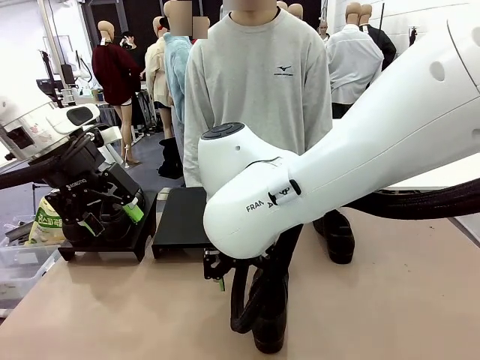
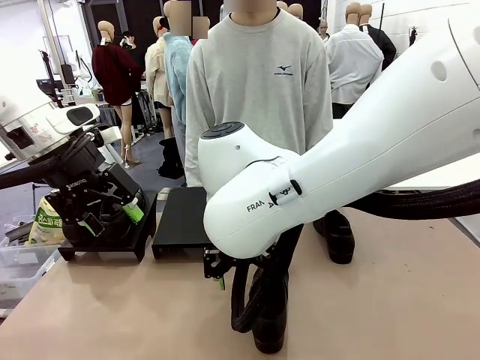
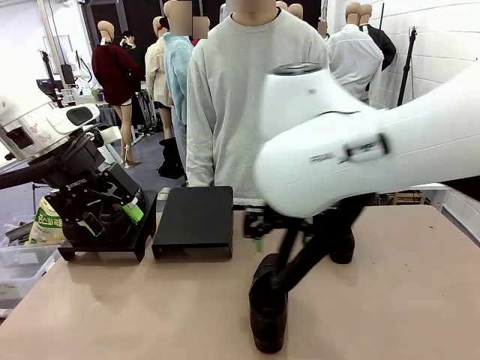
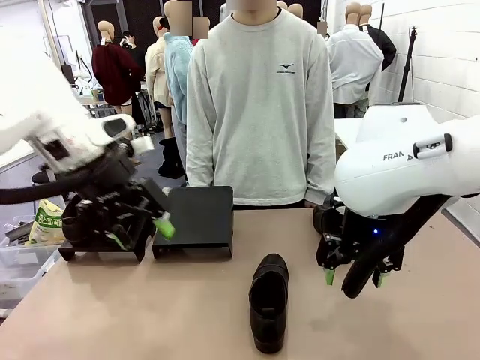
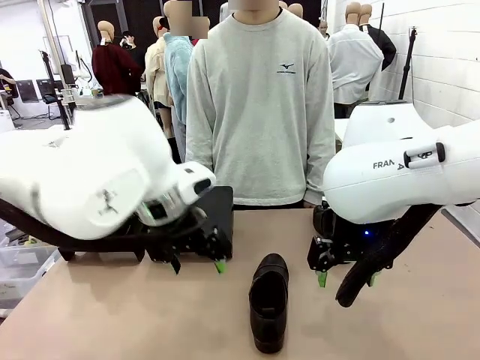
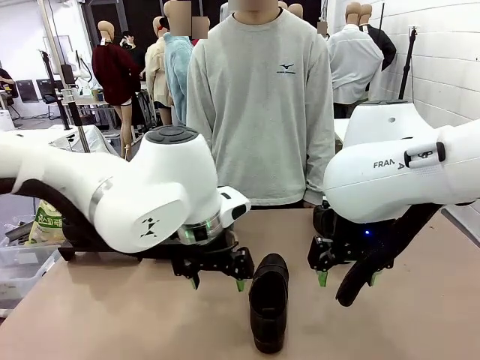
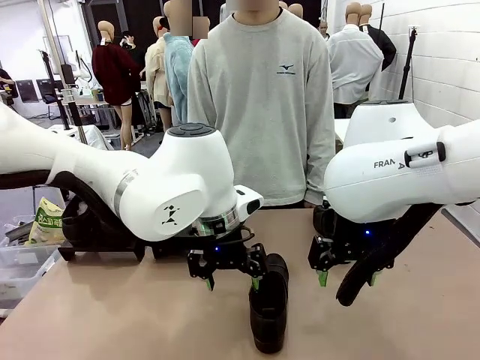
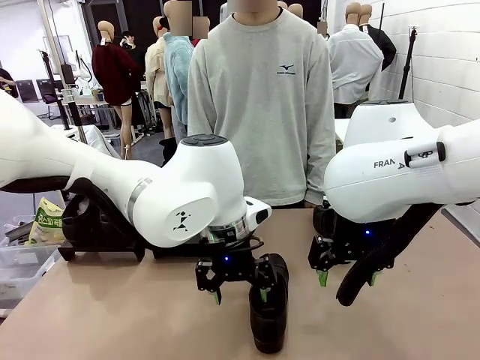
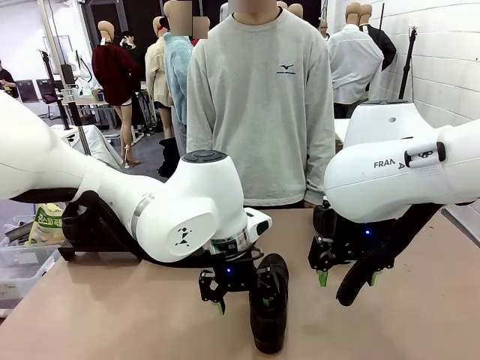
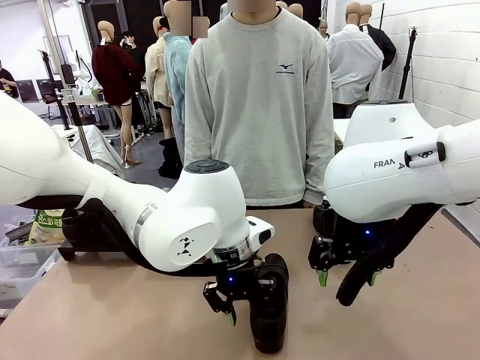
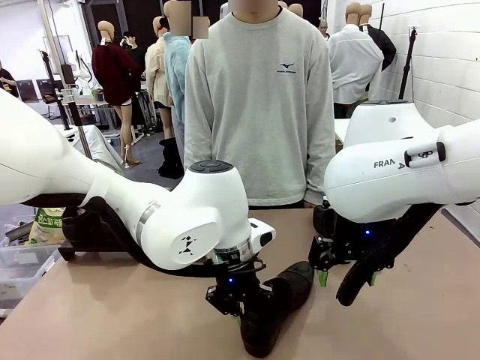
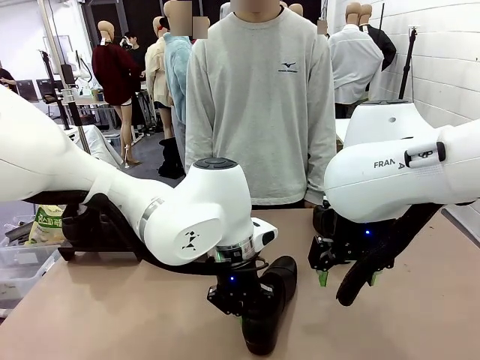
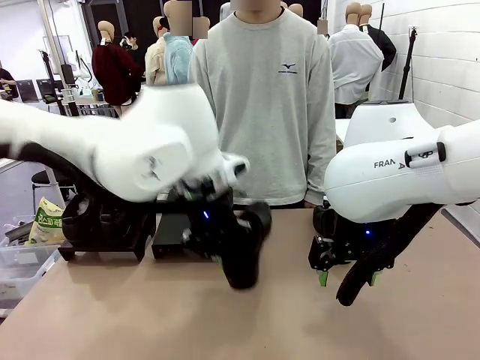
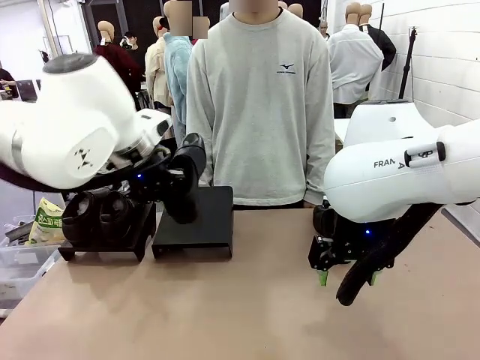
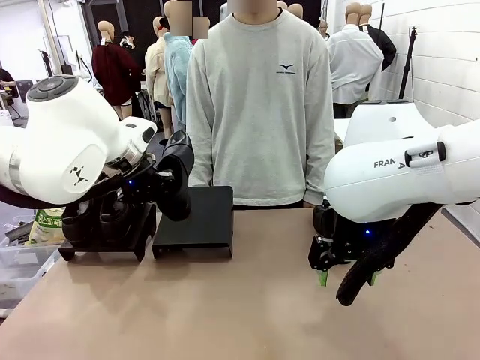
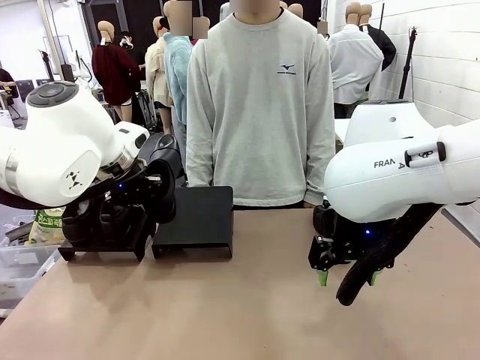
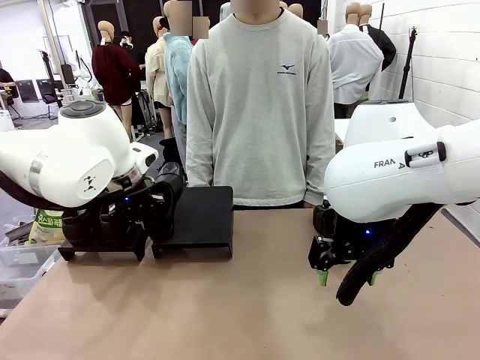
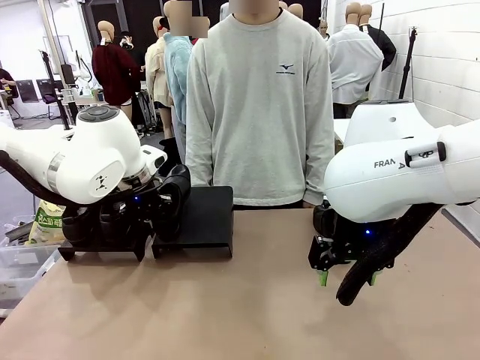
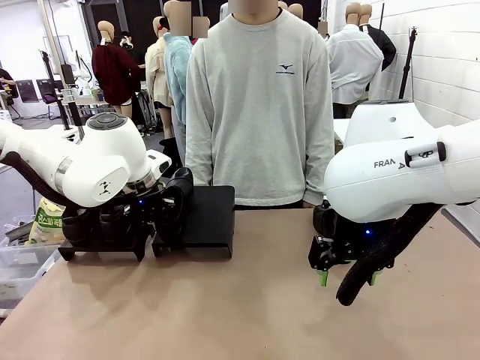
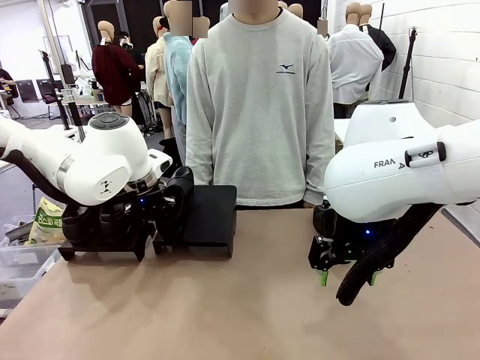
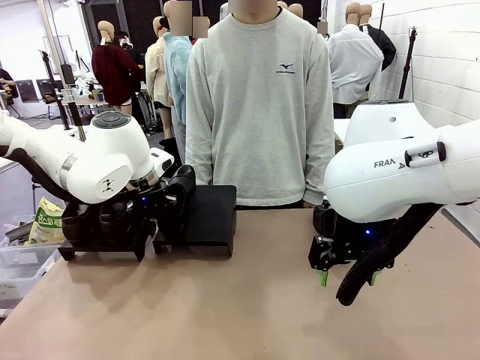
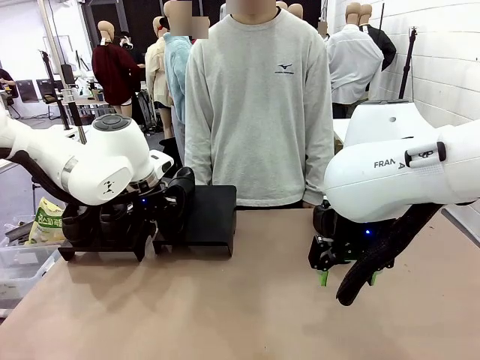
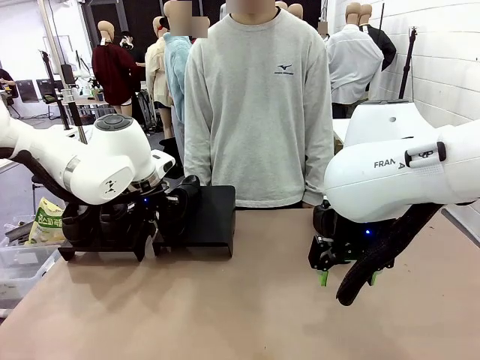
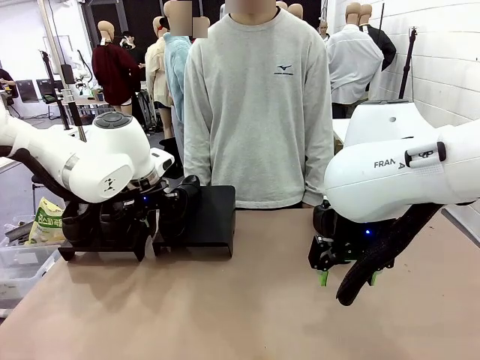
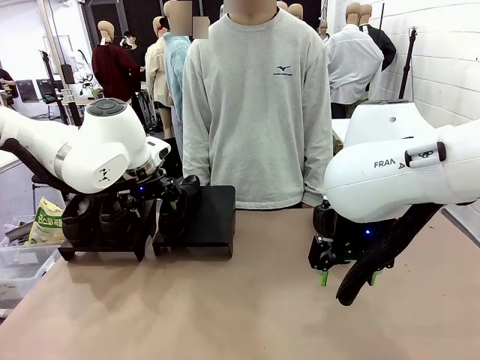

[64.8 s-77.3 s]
Task: Organize the shoes by placing them on the stand.
Robot: Place the Shoe from the middle of the table onto the Shoes Stand.

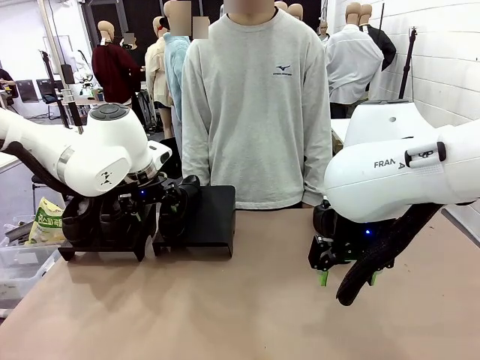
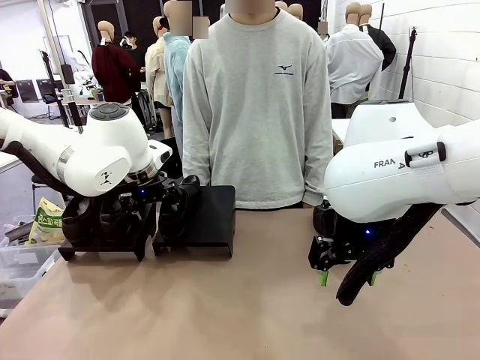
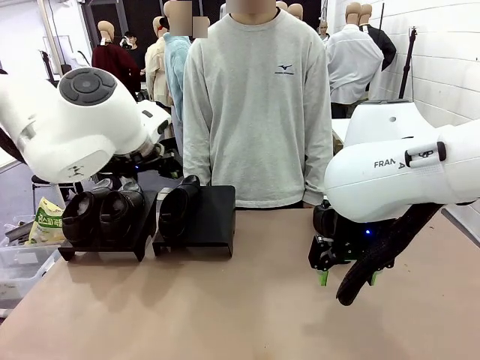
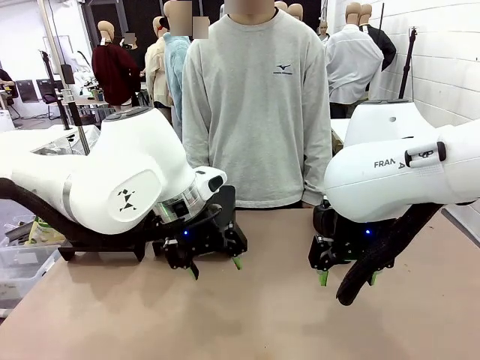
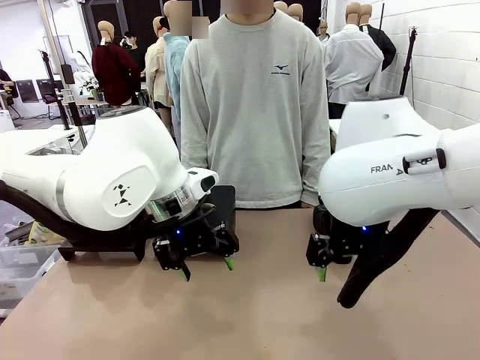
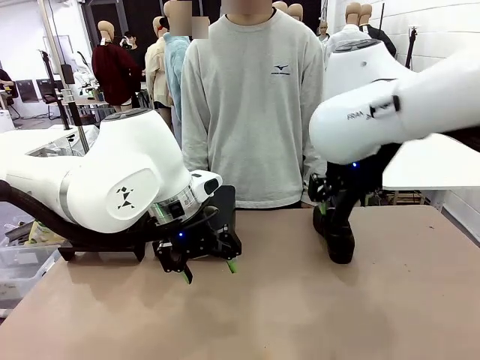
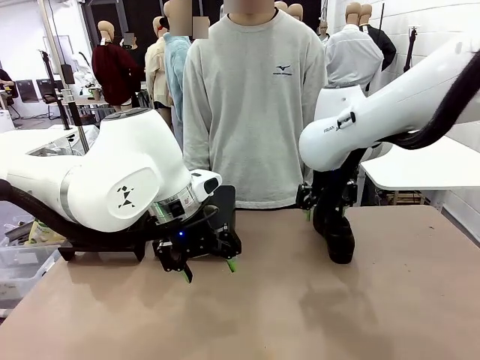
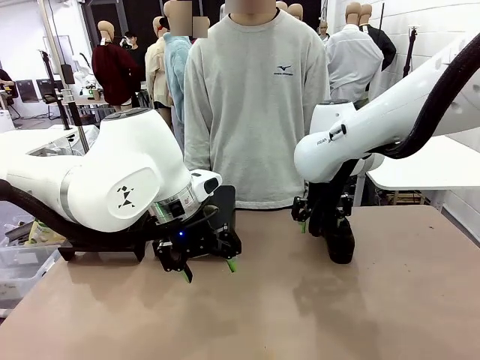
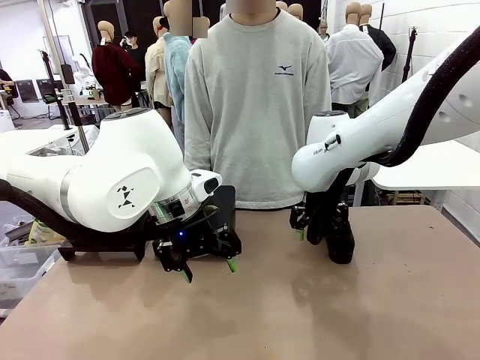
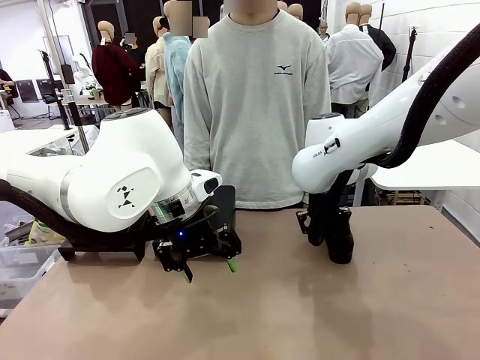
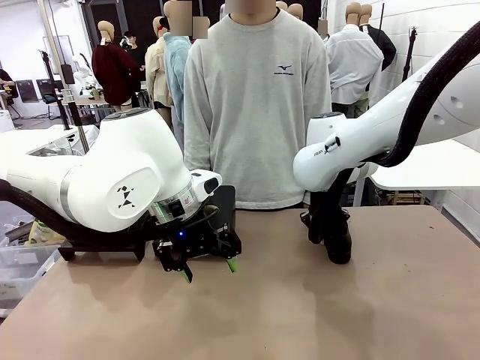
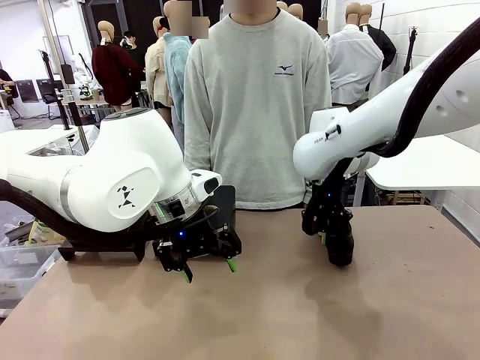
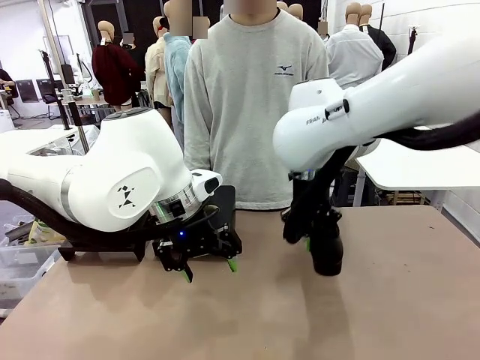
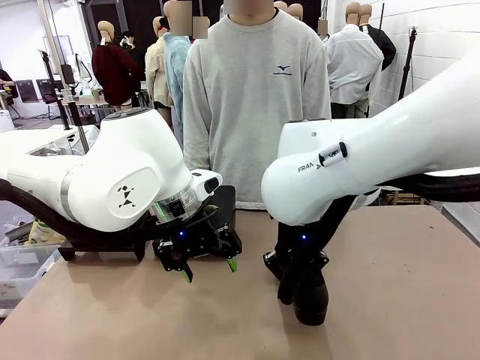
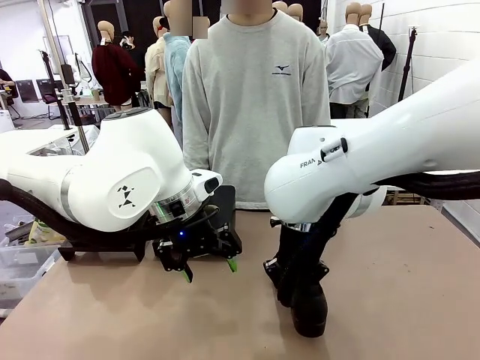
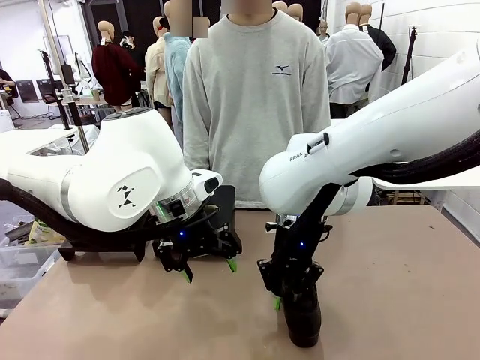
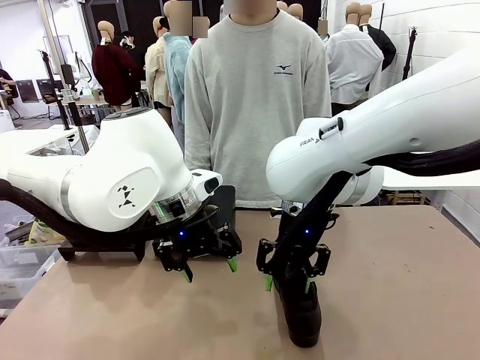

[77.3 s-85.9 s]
Robot: Pick up one Shoe and place it in the middle of the table.

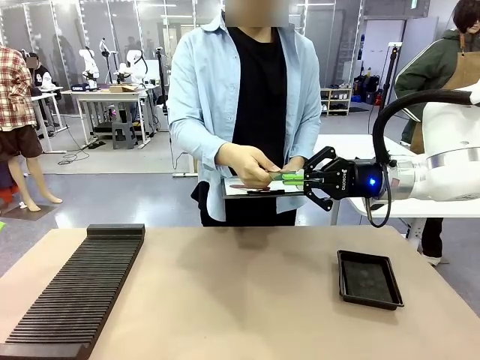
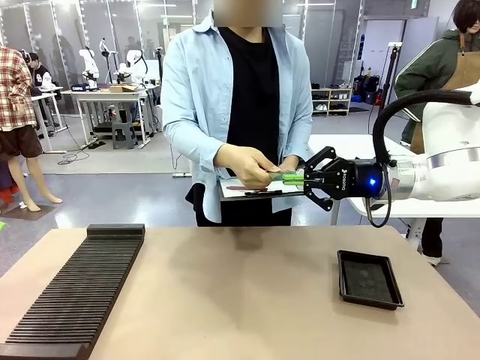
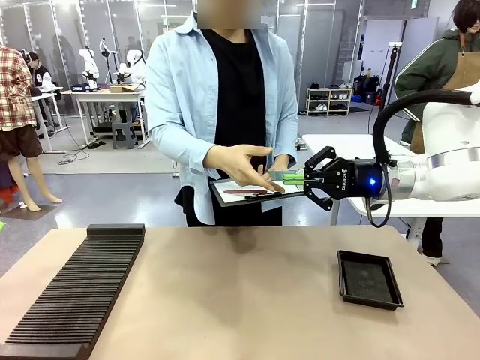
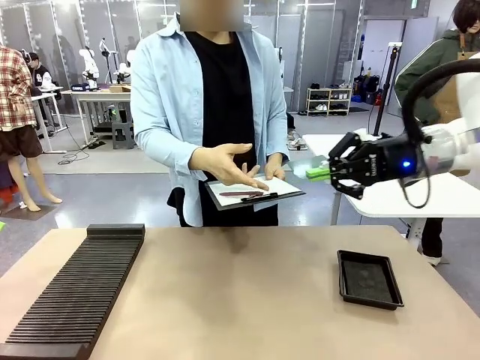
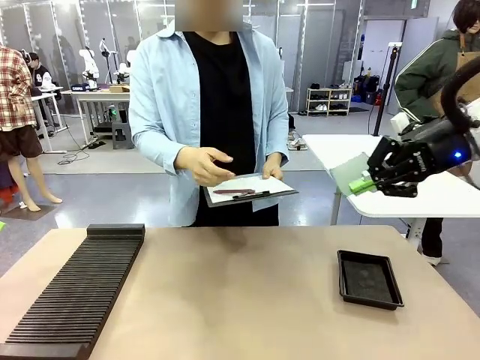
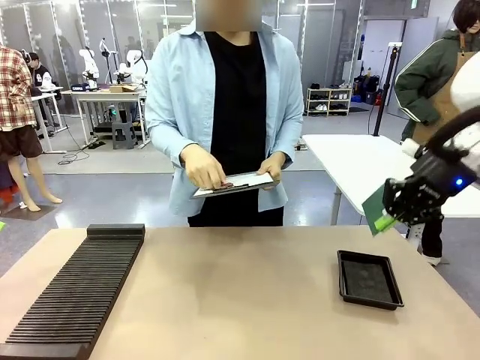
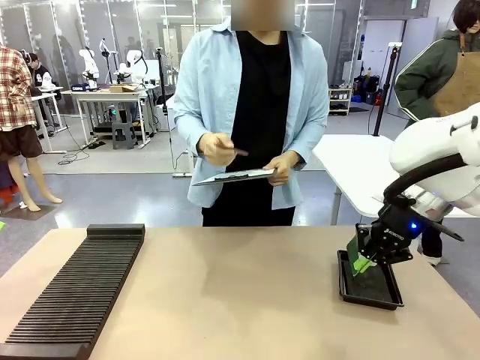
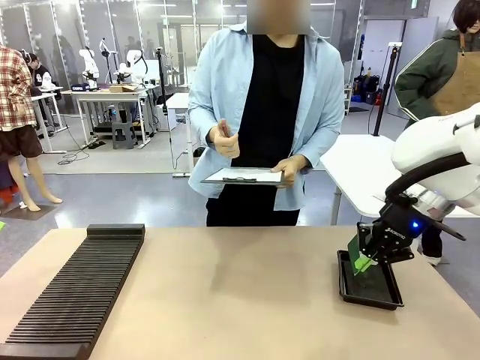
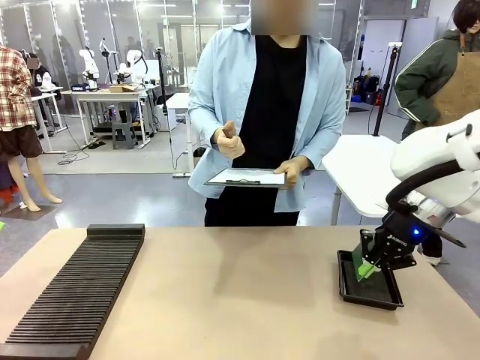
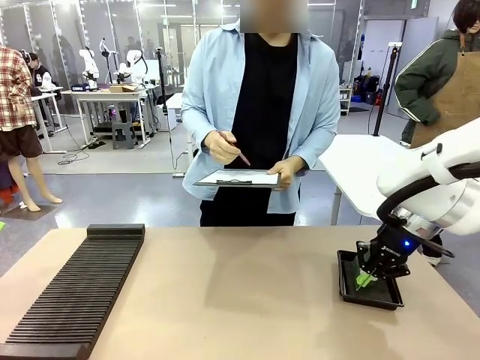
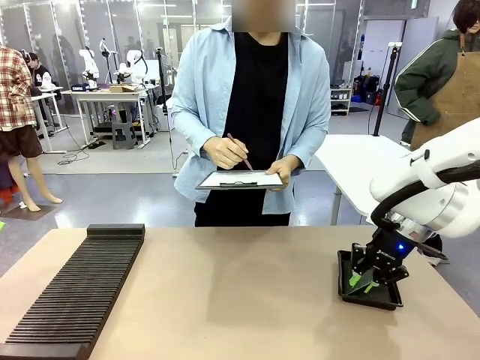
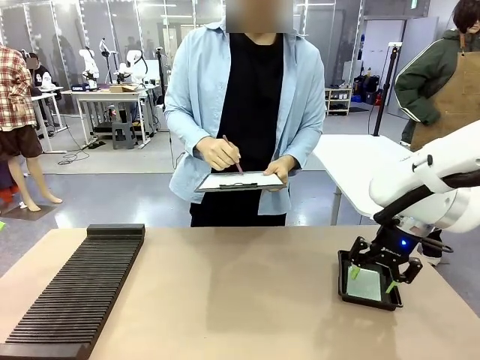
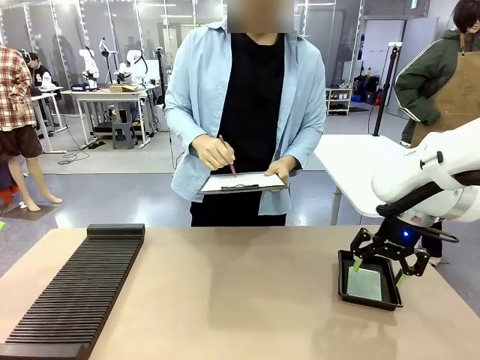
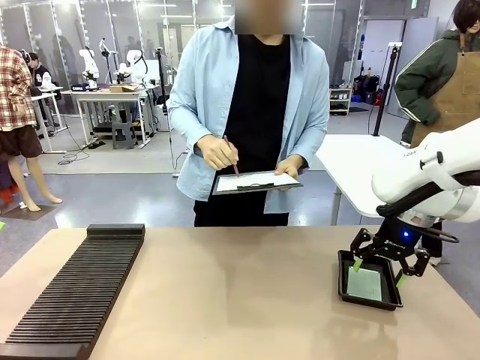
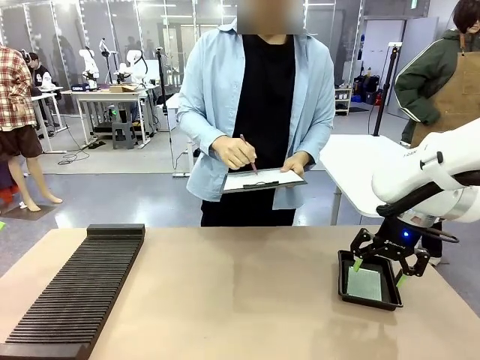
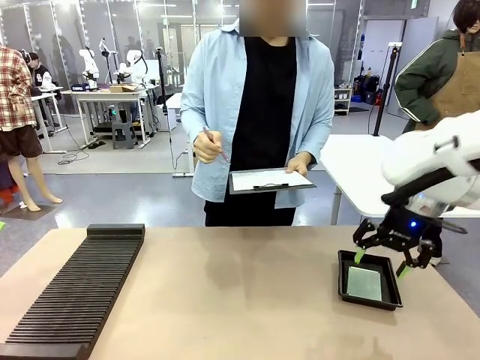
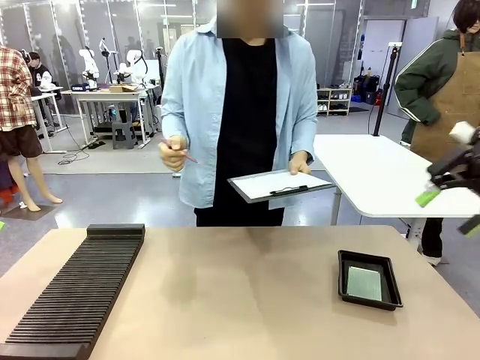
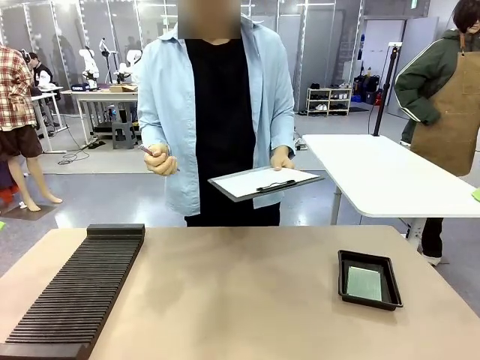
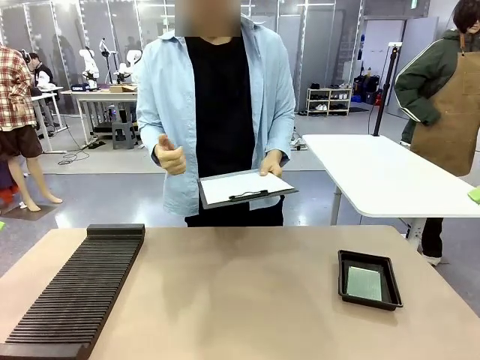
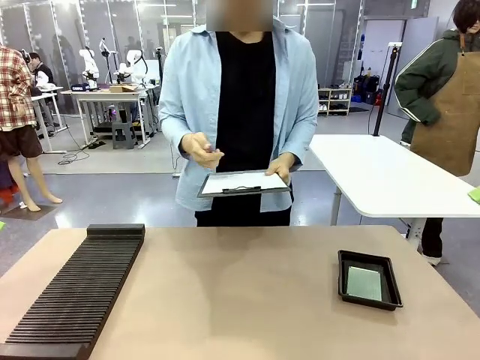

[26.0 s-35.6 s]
Task: Inspect the PCB.
Robot: Place the Blank PCB in the ESD tray.
Person: Record the PCB status on the paper.
